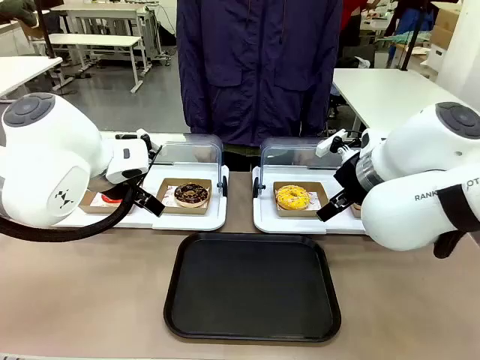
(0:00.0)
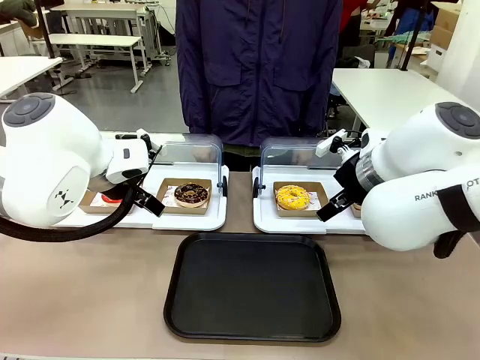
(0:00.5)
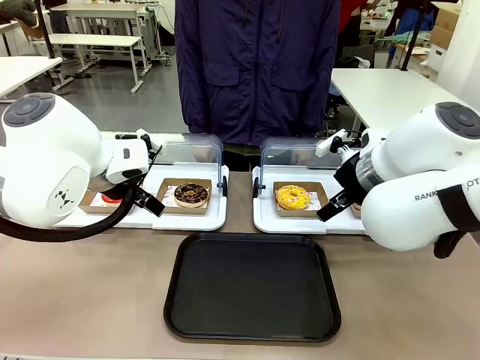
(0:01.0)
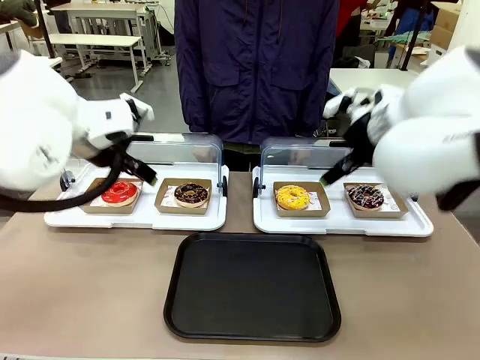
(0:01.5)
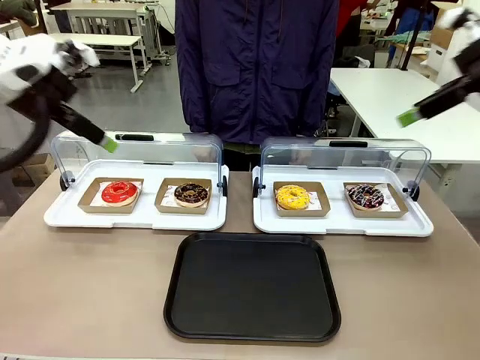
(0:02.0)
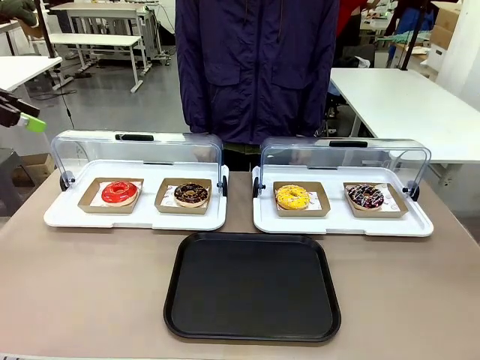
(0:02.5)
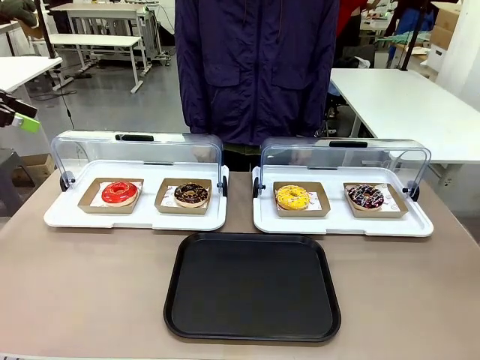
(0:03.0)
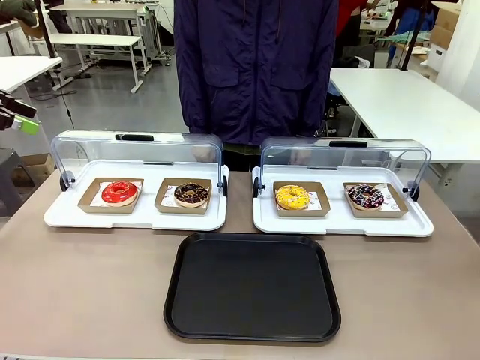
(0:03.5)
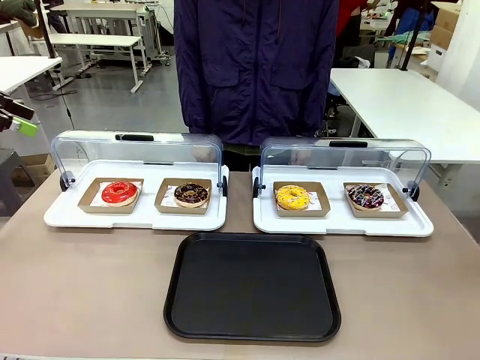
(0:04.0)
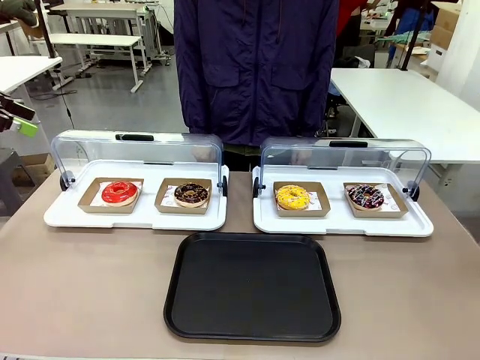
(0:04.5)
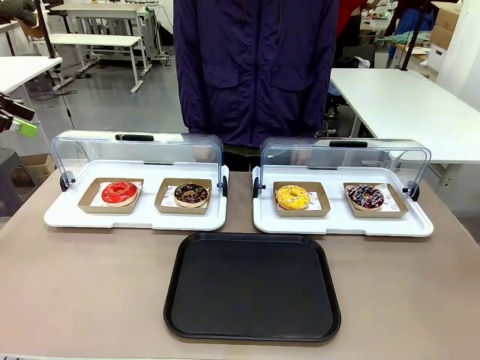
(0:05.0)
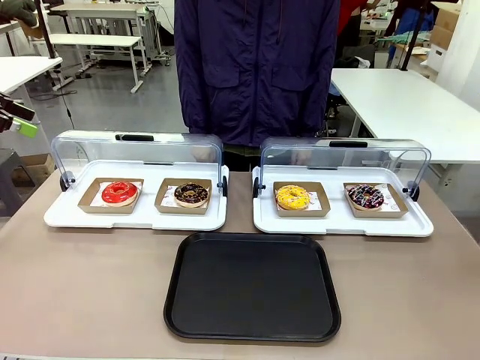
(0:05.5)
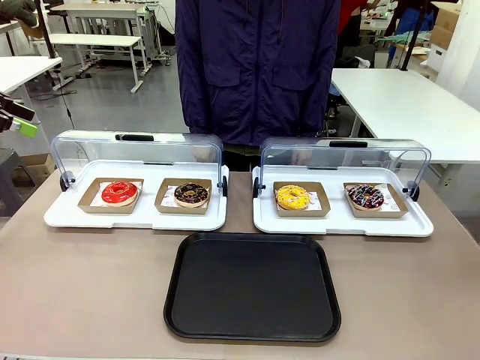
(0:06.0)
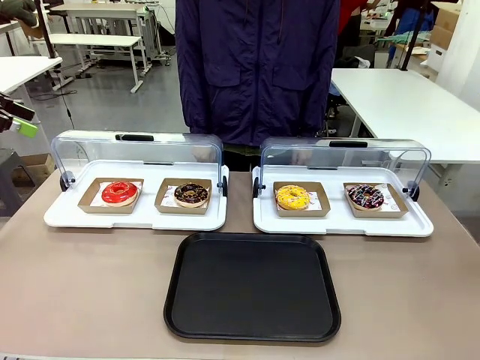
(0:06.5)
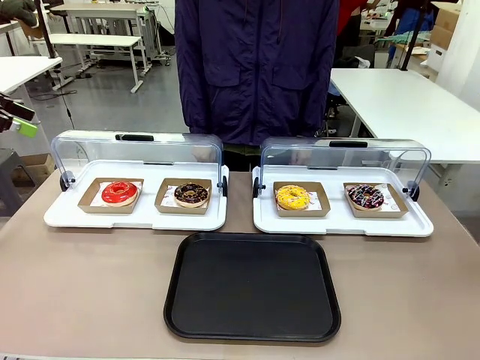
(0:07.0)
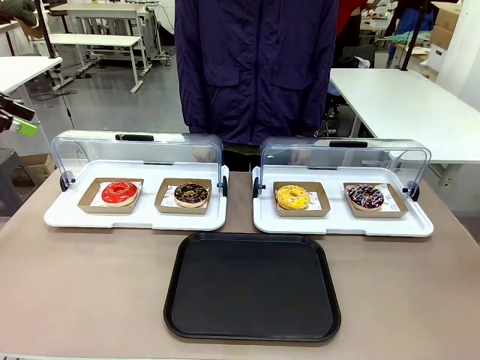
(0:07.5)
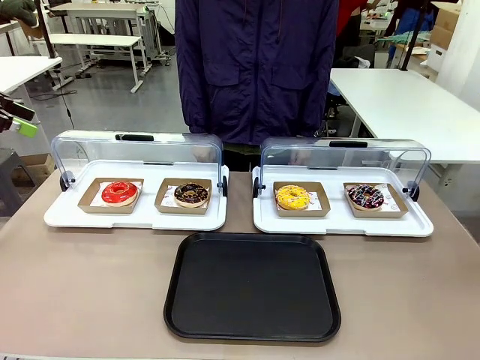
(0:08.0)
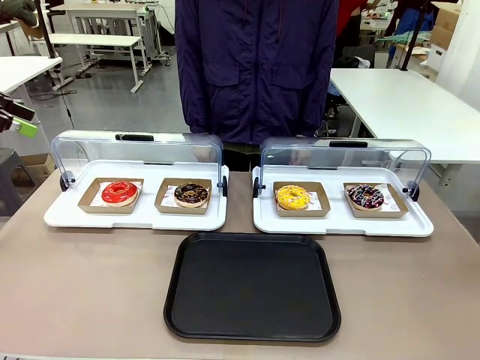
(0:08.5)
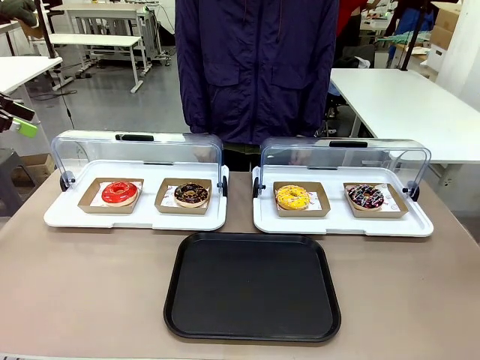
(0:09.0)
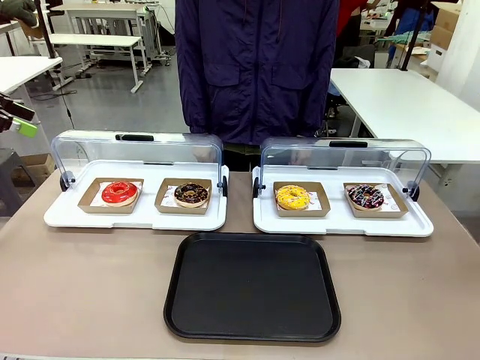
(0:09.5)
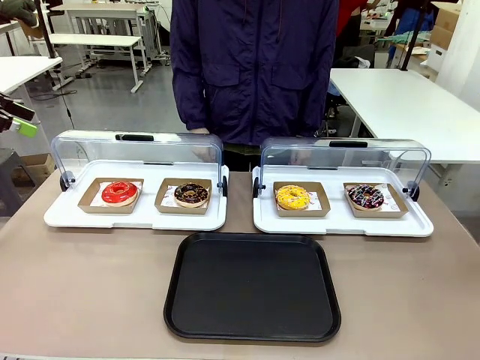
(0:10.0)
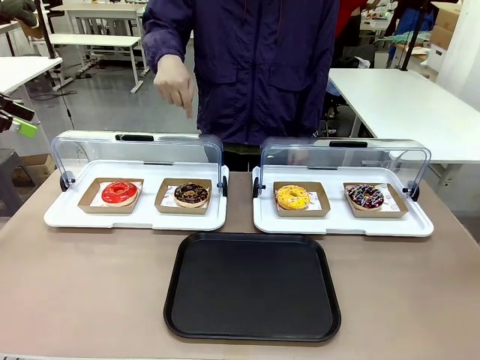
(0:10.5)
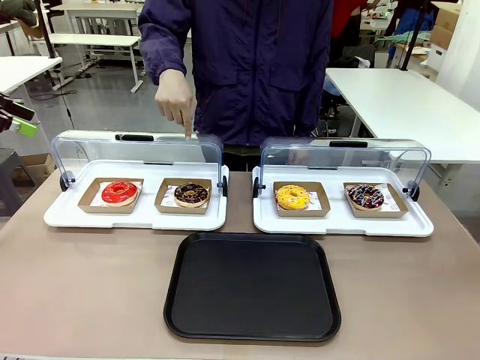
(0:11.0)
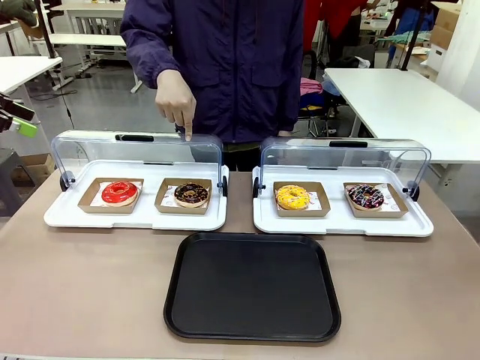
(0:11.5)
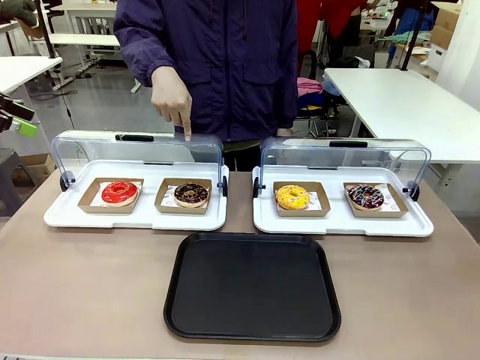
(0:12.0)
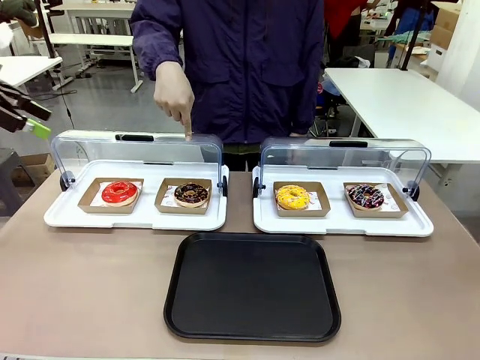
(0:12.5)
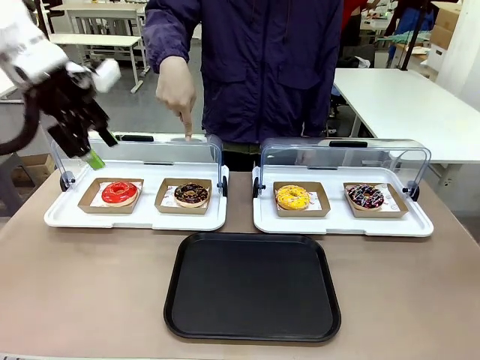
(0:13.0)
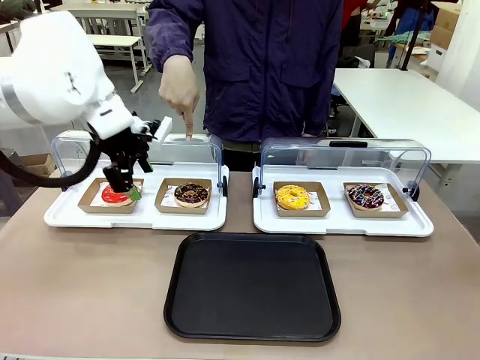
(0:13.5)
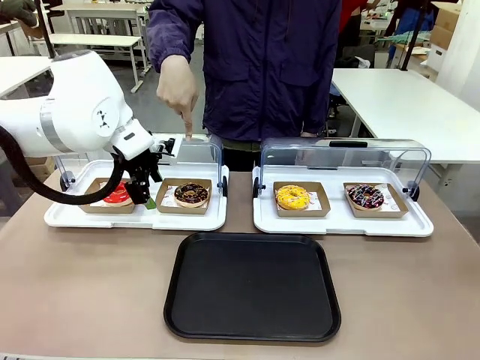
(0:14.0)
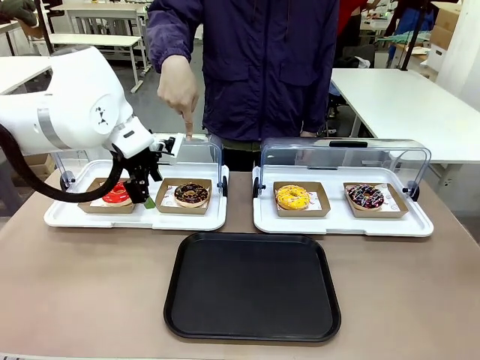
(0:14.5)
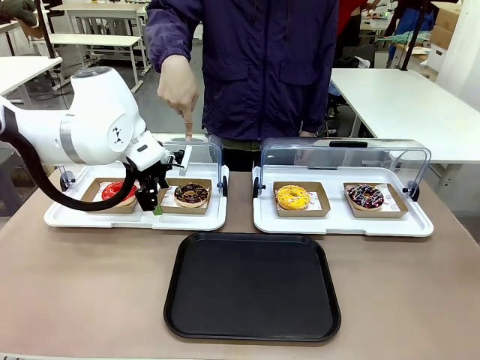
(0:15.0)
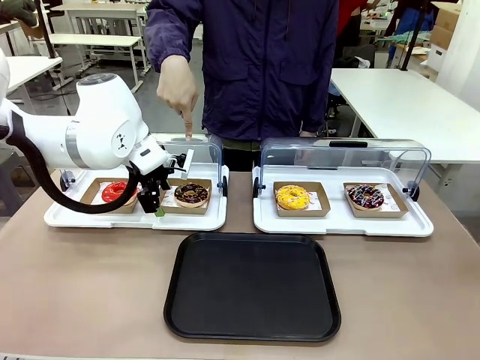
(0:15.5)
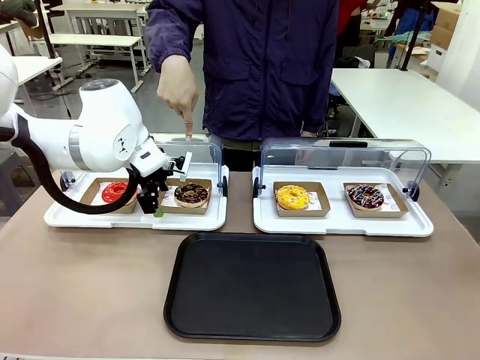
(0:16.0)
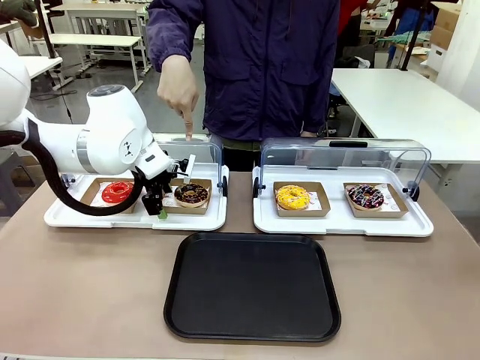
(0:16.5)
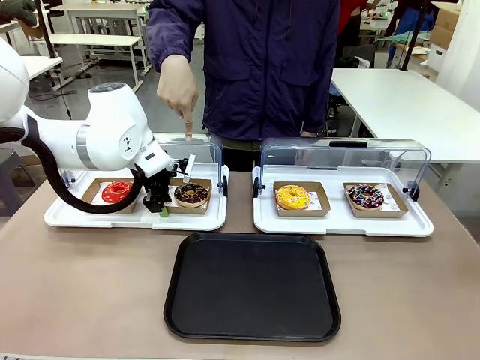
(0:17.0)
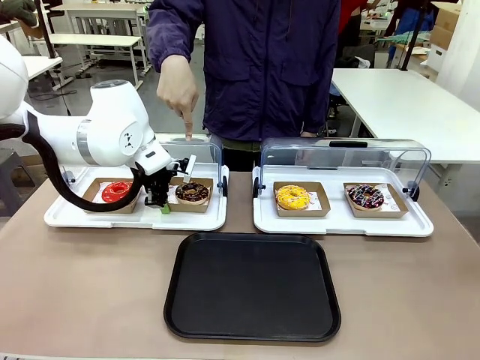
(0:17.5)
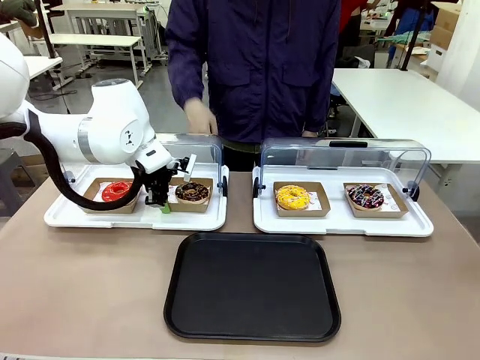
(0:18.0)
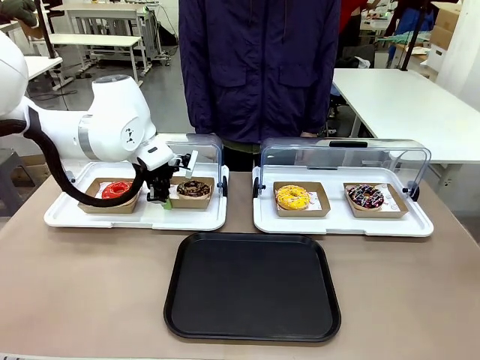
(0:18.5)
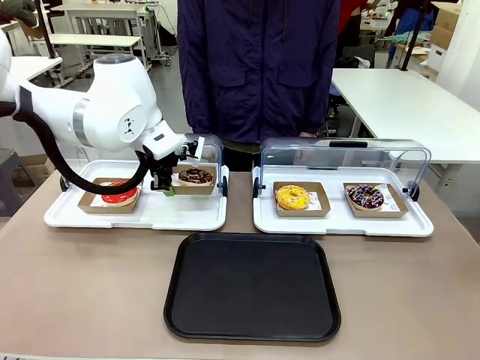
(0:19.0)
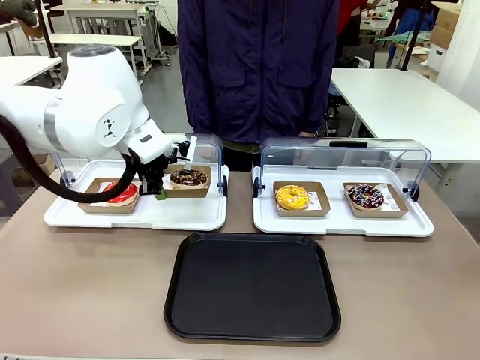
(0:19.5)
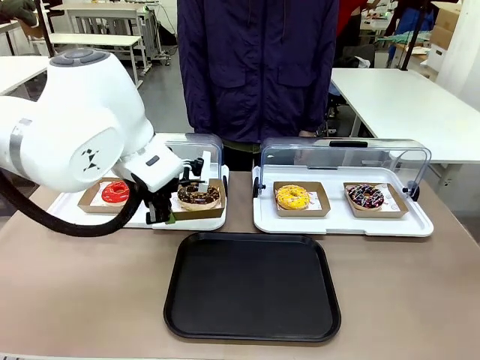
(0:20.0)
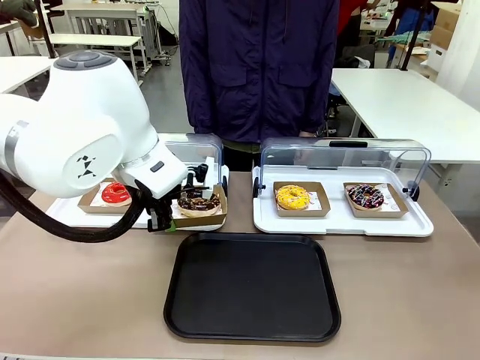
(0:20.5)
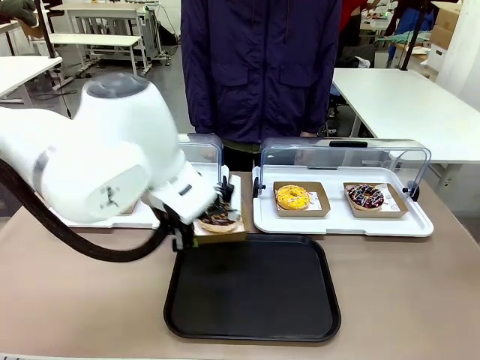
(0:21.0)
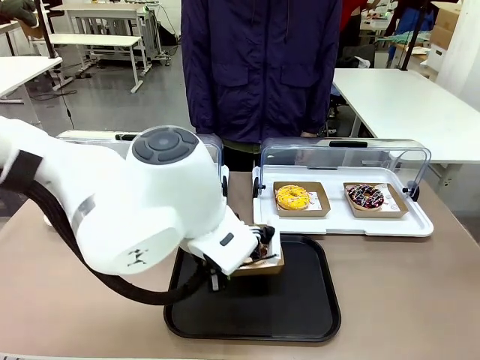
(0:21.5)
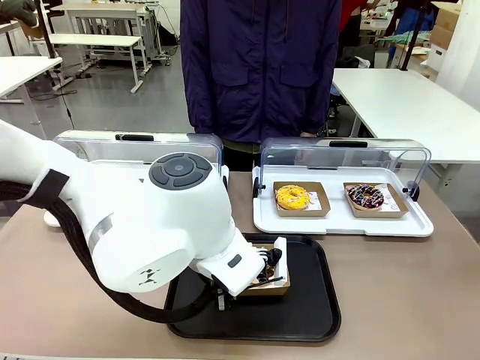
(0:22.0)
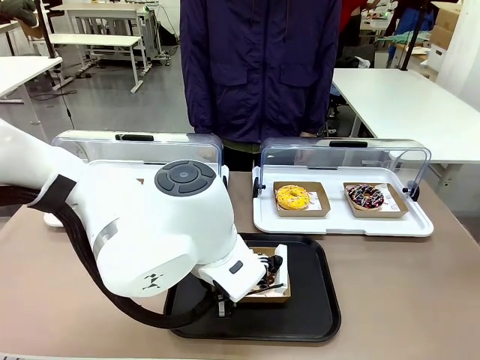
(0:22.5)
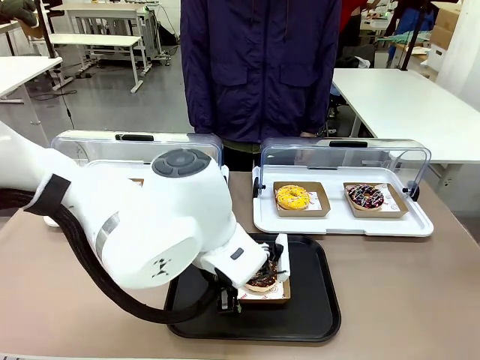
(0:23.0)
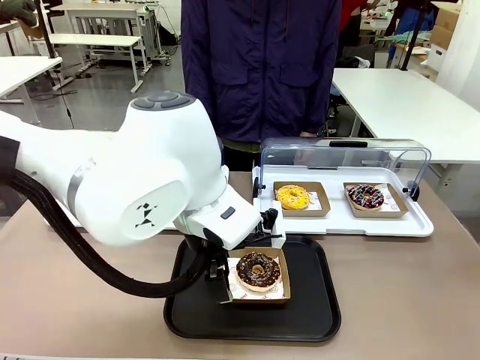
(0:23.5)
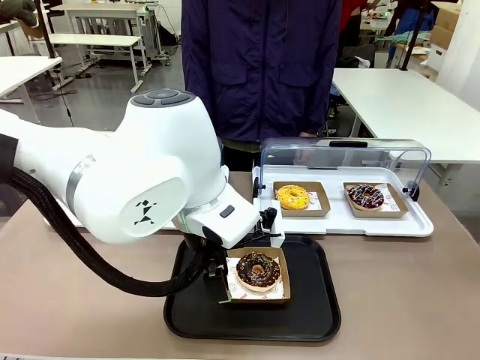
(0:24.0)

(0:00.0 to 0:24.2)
Task: Move the second donut from the left to the tray.
Robot: Pick up the Paper togo box containing the Donut indicated by the person and place it on the Handle tray.
Person: Points to the second donut from the left from the robot’s perspective.
